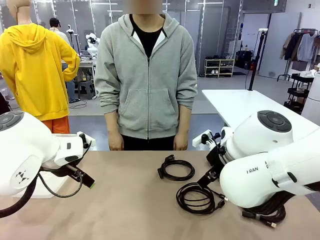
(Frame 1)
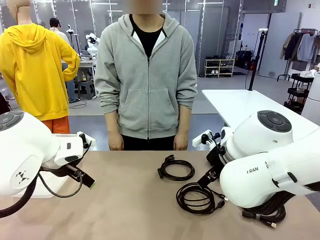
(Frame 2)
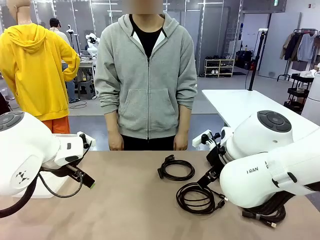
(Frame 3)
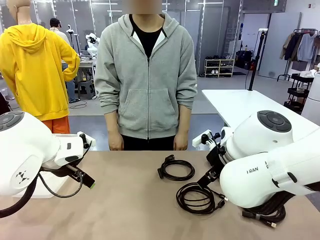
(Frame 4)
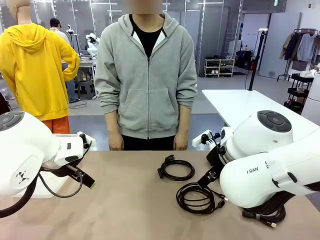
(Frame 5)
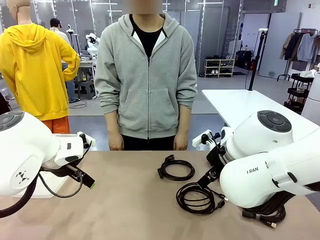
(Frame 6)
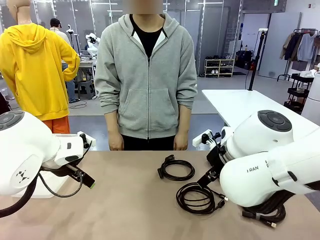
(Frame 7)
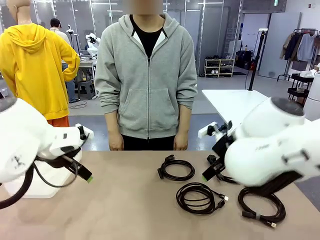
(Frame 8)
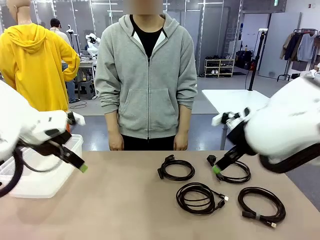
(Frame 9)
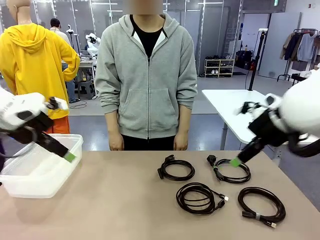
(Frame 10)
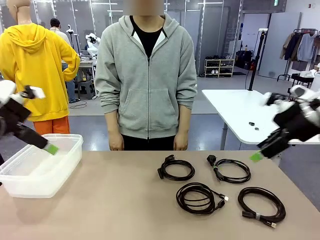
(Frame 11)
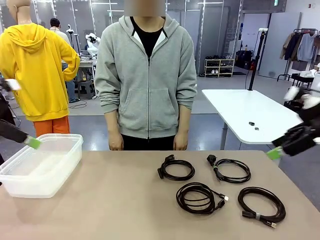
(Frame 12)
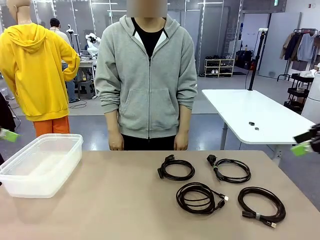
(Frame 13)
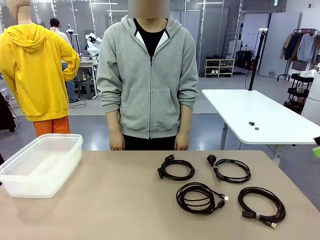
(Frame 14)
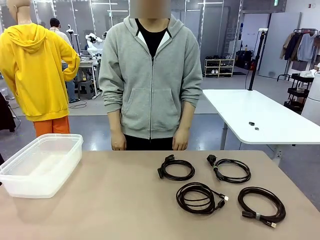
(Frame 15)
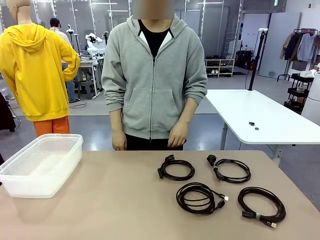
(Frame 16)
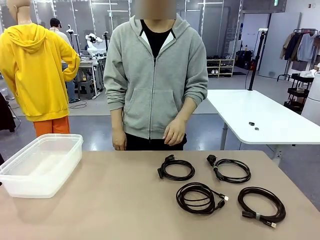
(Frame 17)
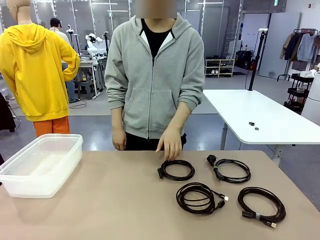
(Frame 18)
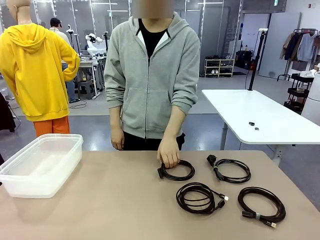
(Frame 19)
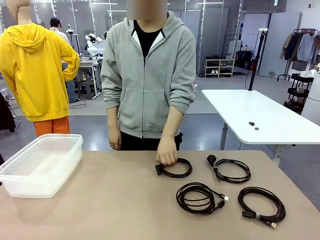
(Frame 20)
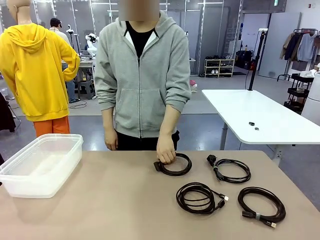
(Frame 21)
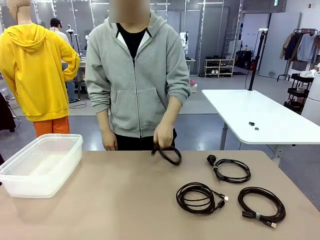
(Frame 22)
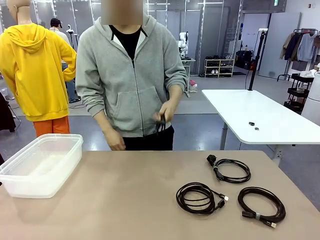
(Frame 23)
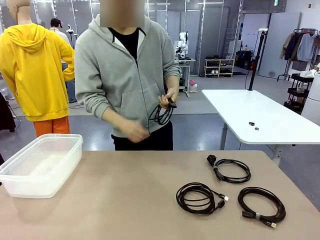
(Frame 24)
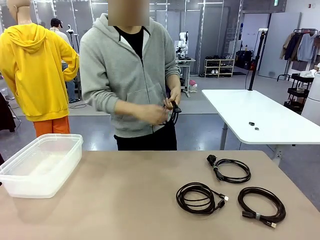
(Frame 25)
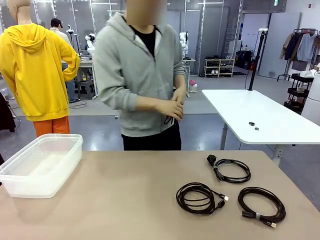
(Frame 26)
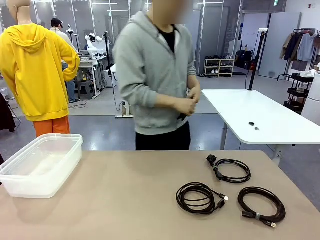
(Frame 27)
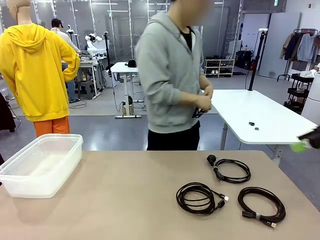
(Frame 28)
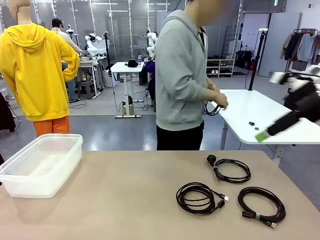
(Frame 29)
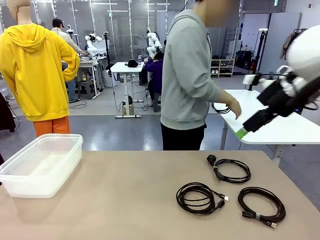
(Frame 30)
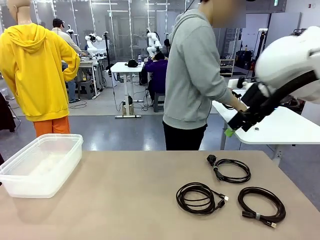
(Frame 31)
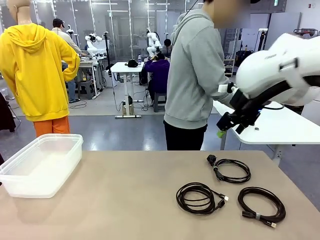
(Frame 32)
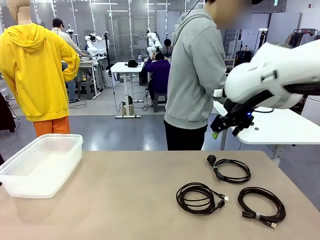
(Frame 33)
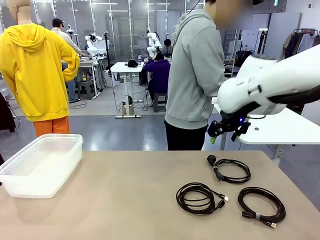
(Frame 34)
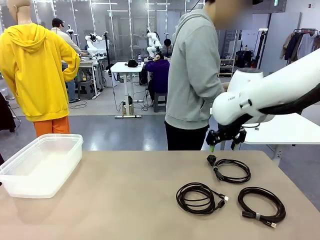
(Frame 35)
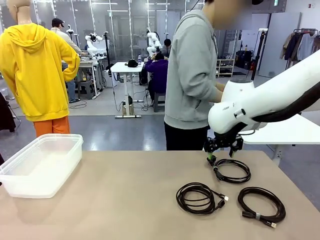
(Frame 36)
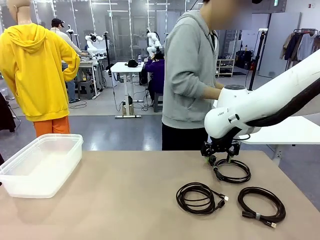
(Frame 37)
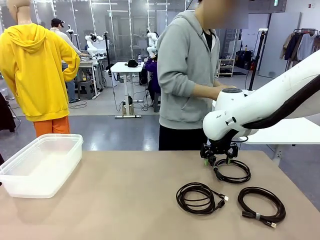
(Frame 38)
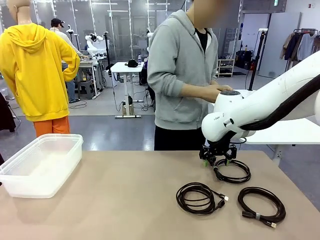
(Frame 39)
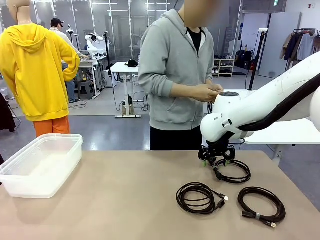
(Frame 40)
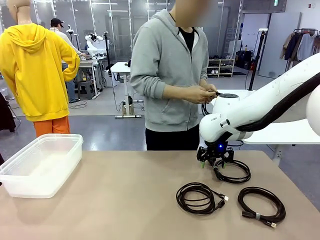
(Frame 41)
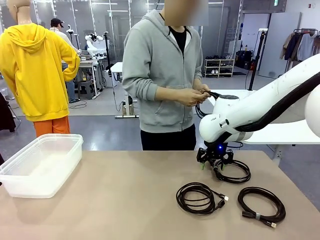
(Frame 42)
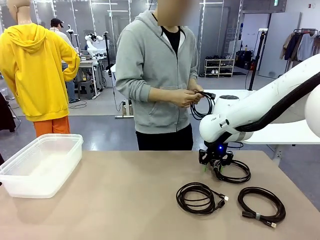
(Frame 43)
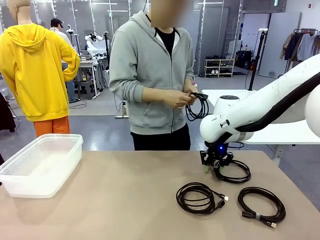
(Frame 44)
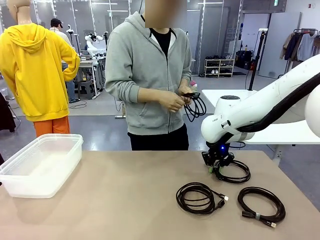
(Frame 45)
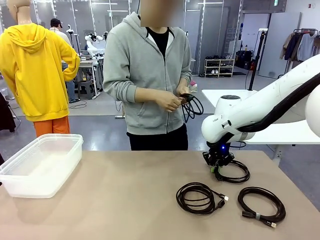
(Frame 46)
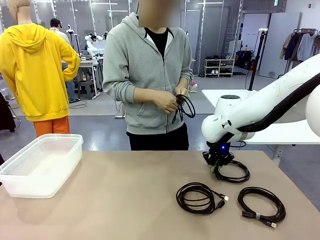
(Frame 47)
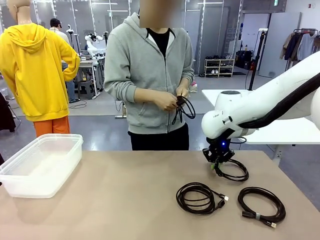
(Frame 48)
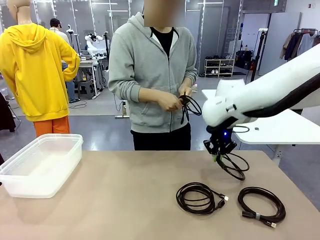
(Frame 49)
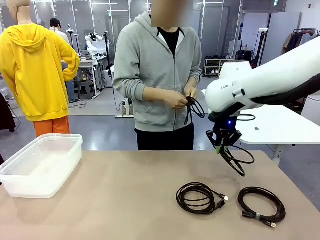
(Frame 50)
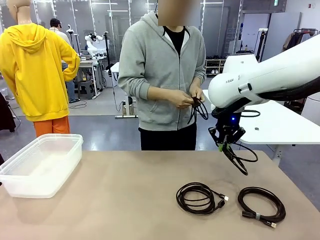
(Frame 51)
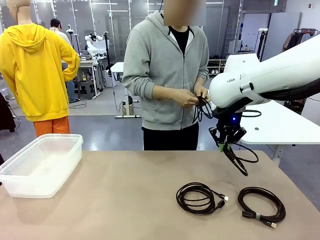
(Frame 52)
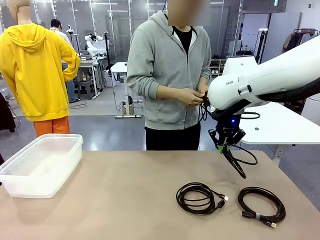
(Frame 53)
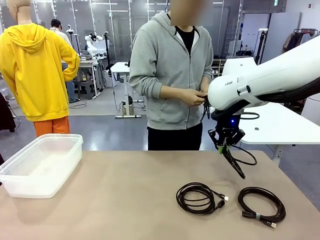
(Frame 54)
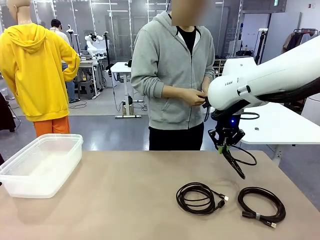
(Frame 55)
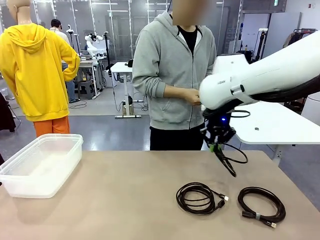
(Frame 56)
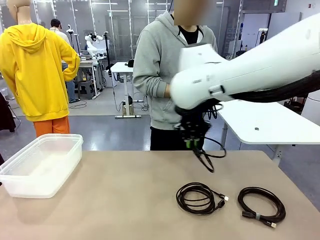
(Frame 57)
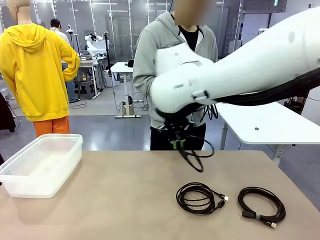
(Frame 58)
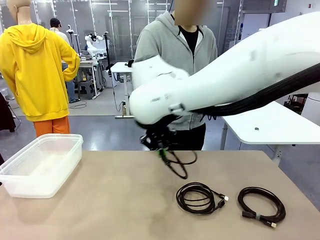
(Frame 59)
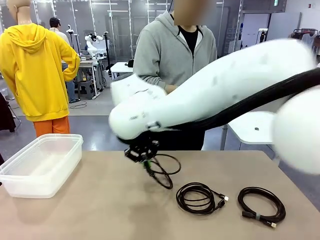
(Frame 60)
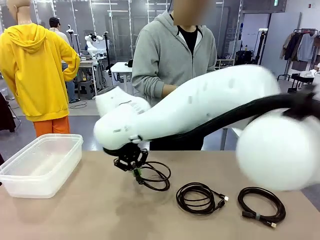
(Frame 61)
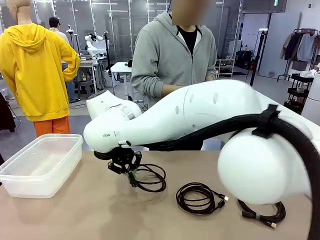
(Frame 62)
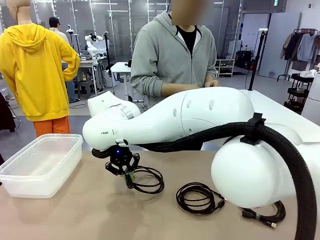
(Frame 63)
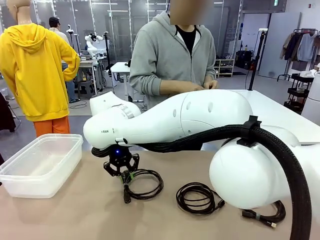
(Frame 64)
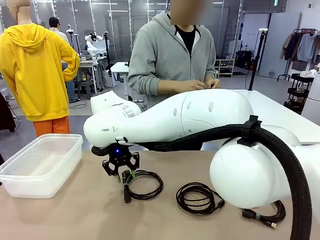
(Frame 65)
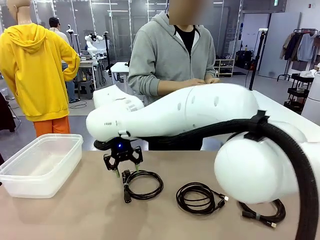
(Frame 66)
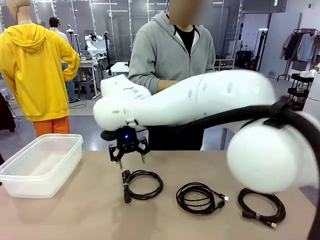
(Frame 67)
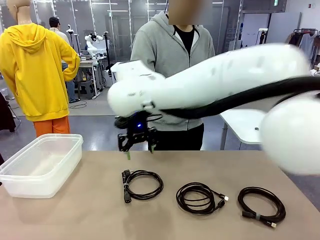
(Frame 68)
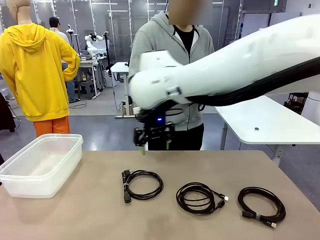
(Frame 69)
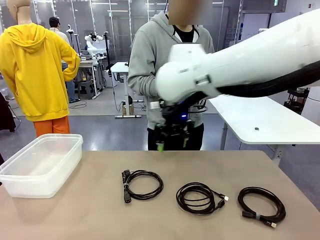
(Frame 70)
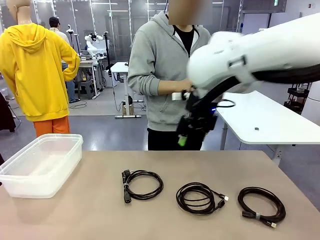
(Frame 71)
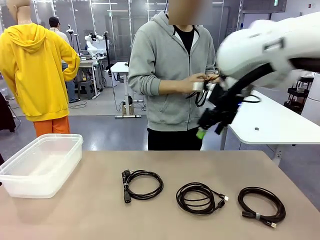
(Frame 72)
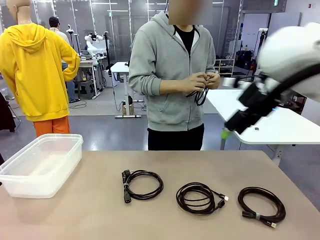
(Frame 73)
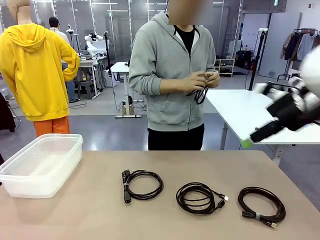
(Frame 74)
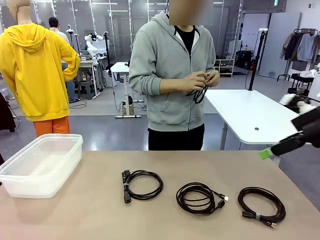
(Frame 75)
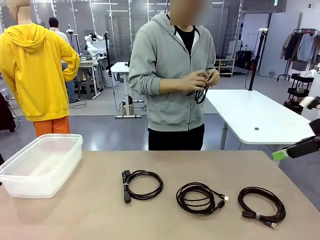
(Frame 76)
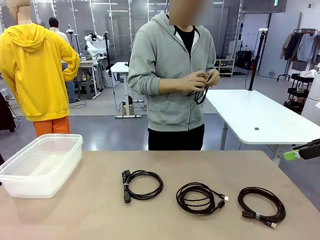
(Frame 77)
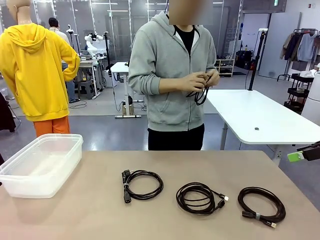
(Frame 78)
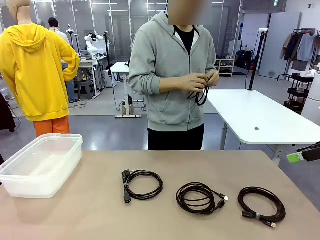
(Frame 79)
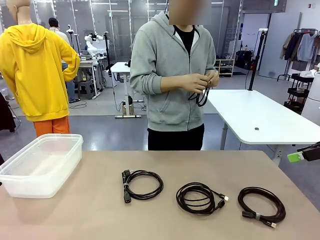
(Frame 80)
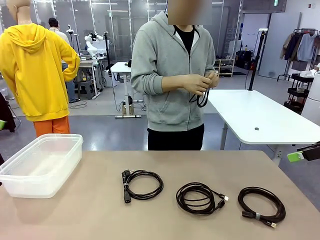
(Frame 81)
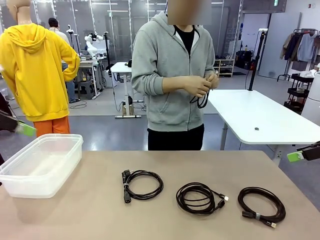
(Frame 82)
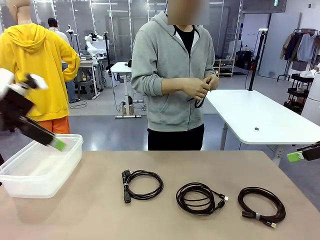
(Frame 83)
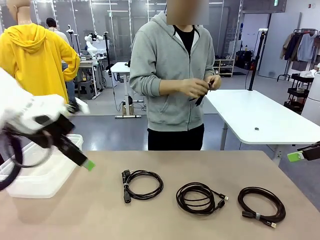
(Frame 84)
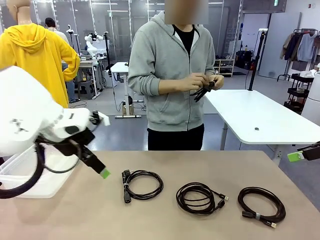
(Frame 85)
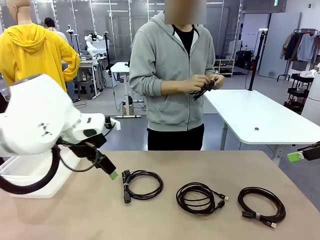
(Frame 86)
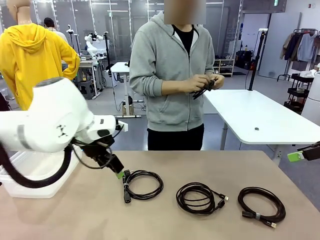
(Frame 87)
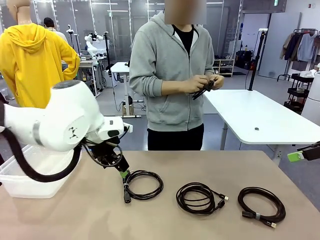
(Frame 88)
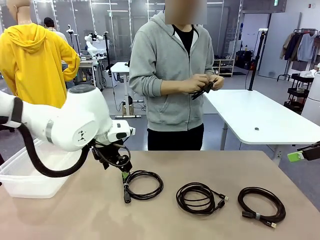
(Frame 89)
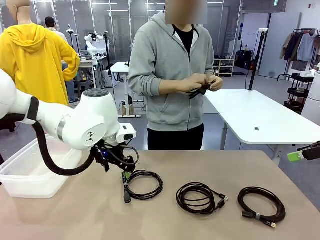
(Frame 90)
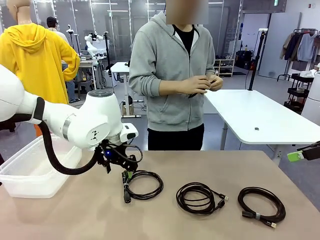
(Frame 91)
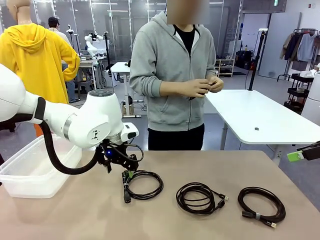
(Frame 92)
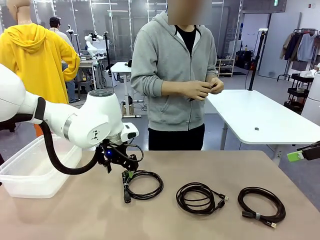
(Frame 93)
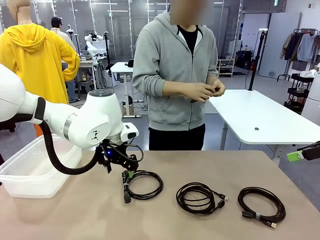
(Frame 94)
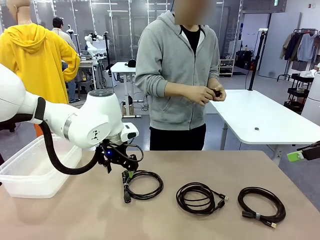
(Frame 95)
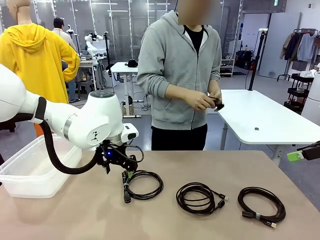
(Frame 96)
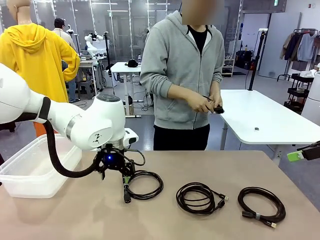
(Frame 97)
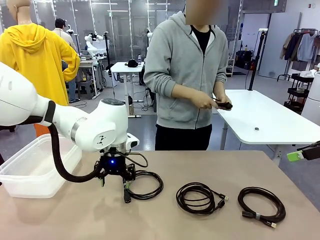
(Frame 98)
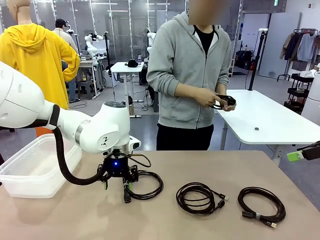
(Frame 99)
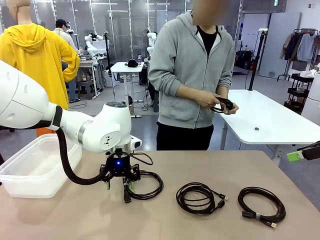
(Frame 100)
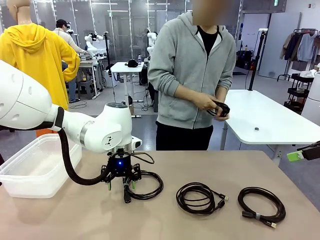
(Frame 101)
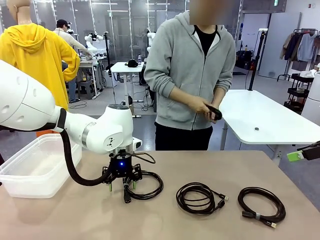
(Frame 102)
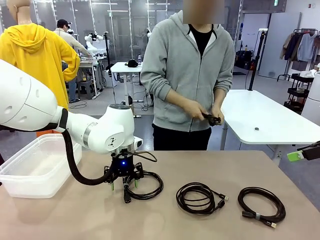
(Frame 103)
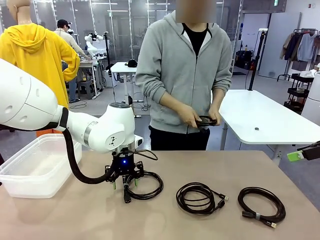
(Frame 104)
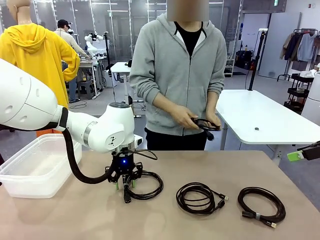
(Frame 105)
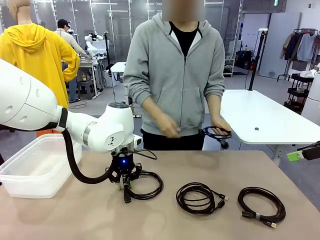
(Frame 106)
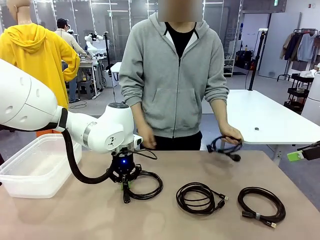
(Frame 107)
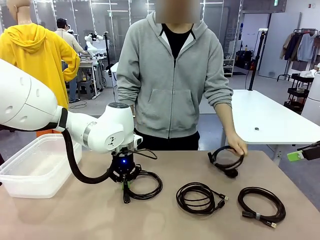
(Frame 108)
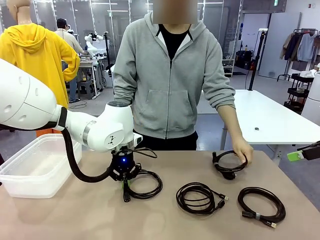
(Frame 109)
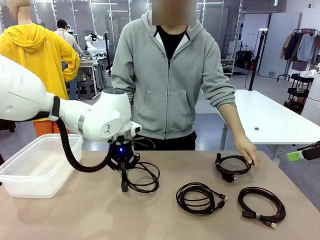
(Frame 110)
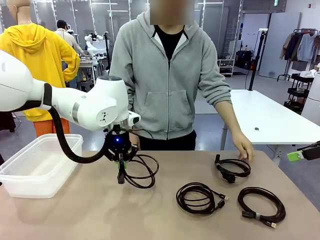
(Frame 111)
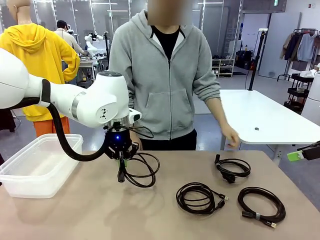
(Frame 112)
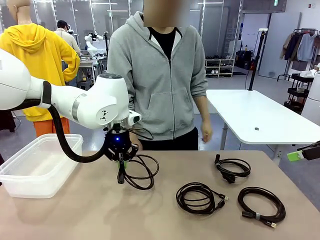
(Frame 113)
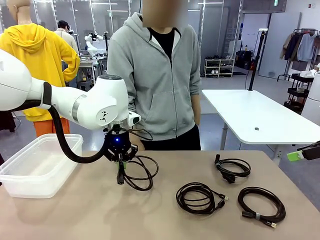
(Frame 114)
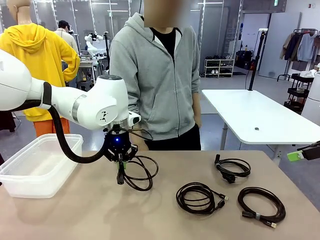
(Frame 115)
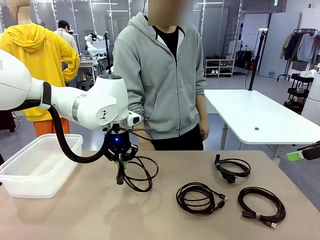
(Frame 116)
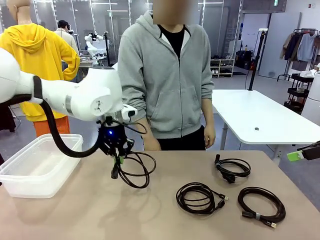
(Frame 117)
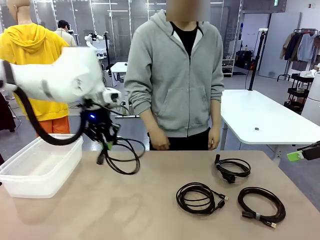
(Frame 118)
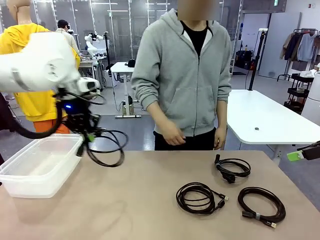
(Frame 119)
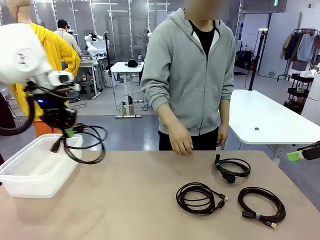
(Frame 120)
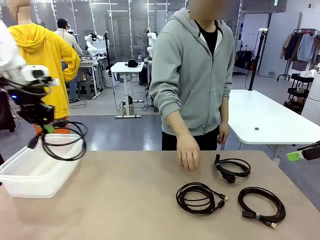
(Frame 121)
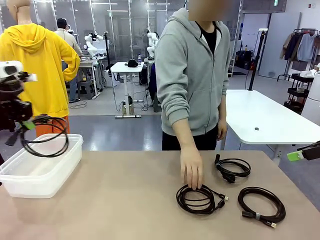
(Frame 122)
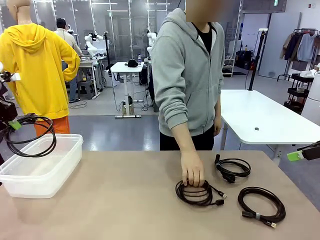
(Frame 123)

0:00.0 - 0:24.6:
Task: Organize and store the cables.
Robot: Place the Power Cable into the Organizing box.
Person: Tie one Power Cable with a Reusable Cable Tie.
